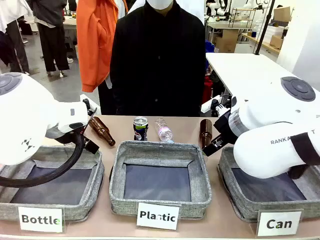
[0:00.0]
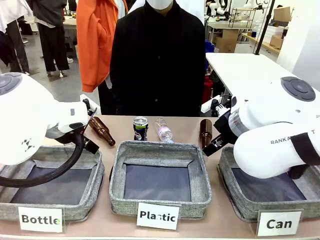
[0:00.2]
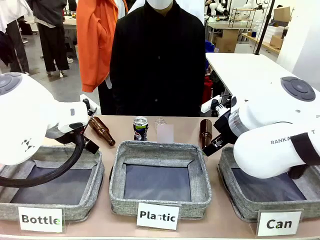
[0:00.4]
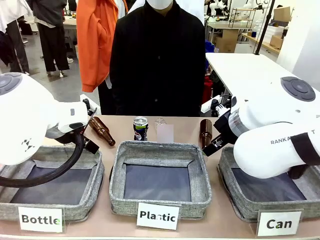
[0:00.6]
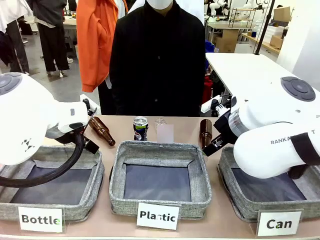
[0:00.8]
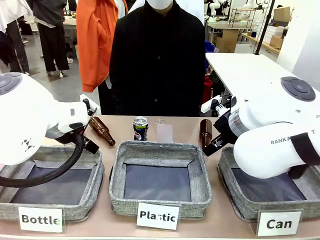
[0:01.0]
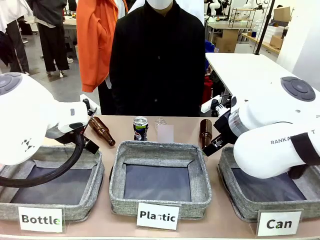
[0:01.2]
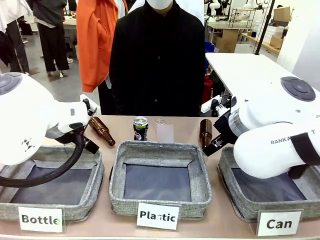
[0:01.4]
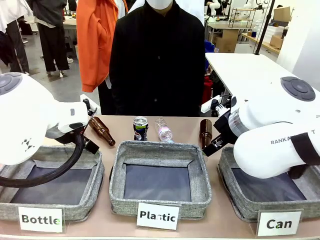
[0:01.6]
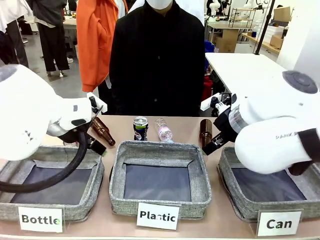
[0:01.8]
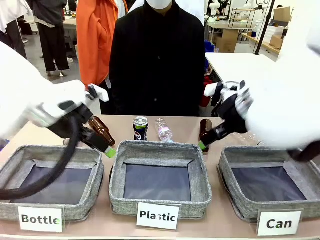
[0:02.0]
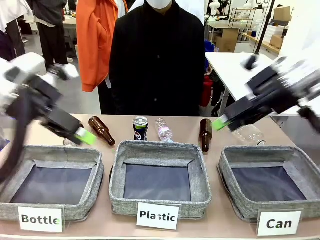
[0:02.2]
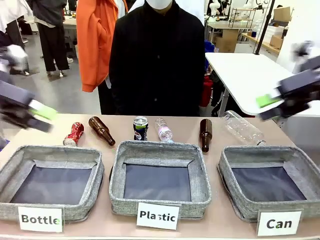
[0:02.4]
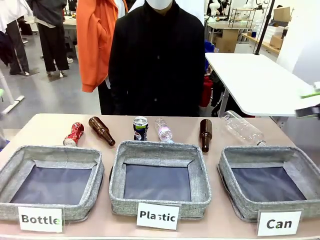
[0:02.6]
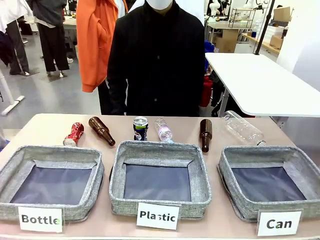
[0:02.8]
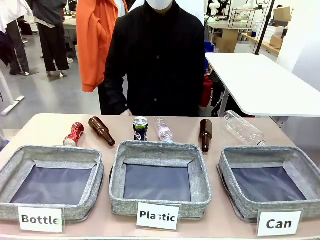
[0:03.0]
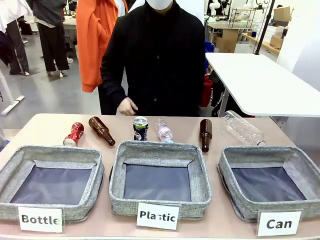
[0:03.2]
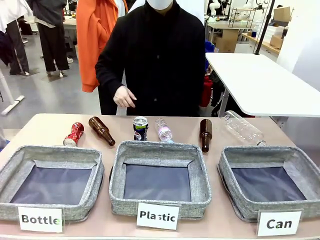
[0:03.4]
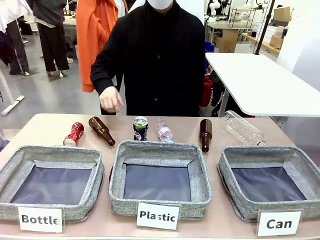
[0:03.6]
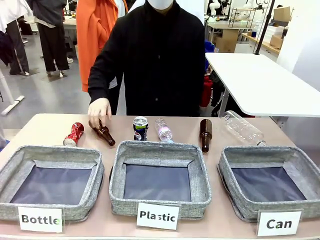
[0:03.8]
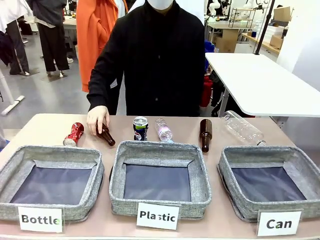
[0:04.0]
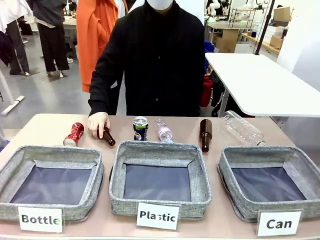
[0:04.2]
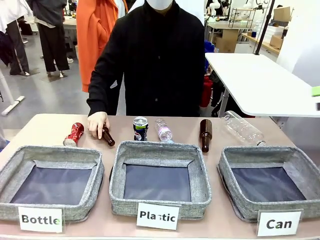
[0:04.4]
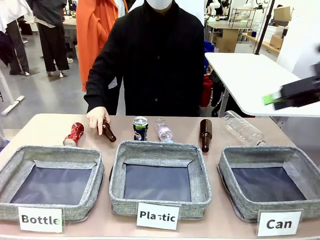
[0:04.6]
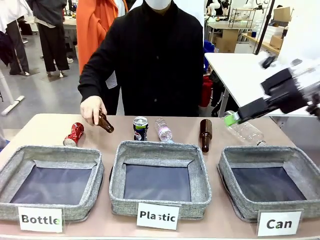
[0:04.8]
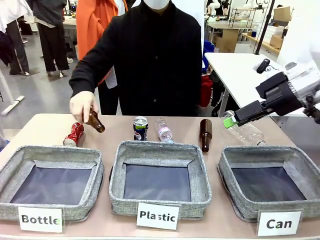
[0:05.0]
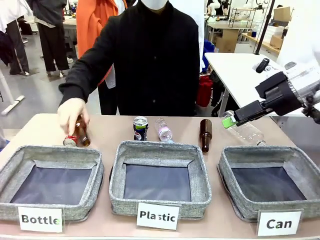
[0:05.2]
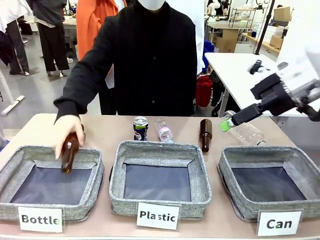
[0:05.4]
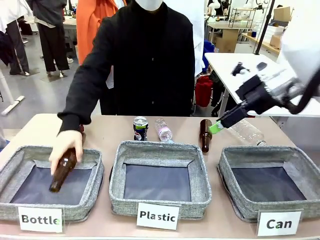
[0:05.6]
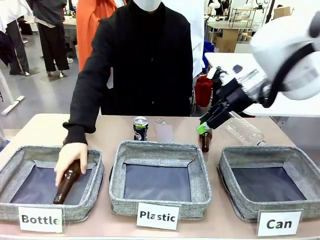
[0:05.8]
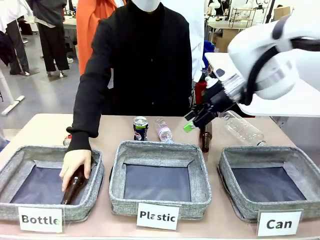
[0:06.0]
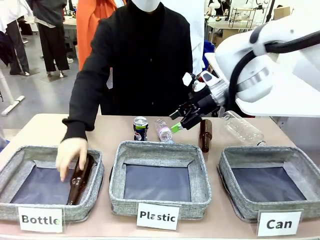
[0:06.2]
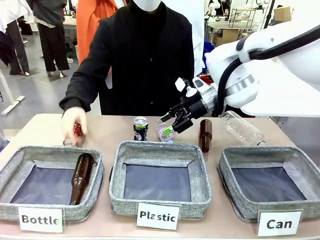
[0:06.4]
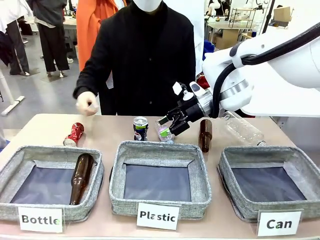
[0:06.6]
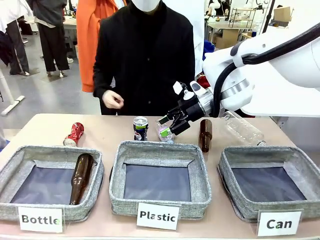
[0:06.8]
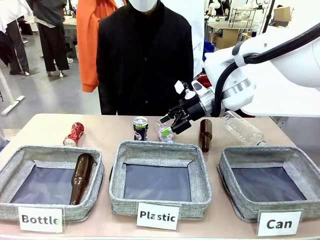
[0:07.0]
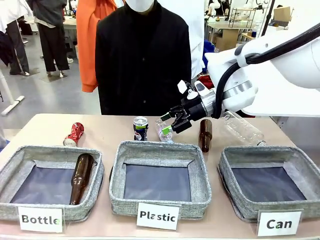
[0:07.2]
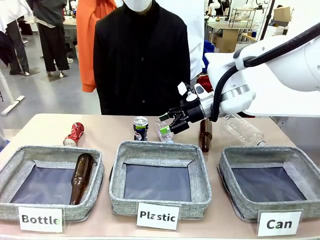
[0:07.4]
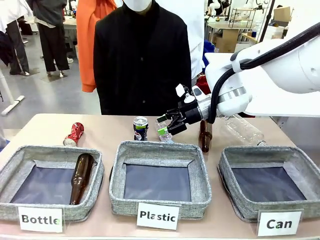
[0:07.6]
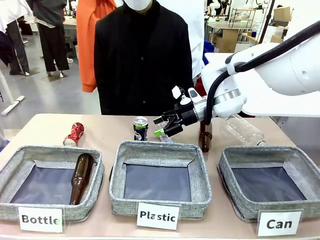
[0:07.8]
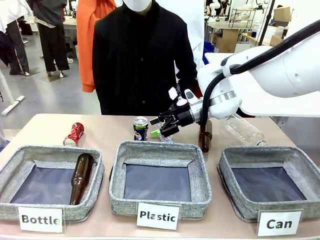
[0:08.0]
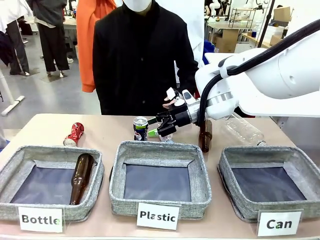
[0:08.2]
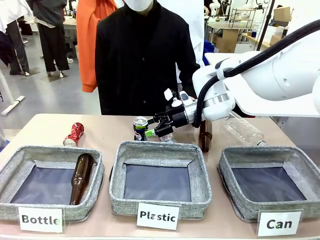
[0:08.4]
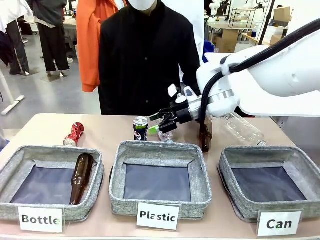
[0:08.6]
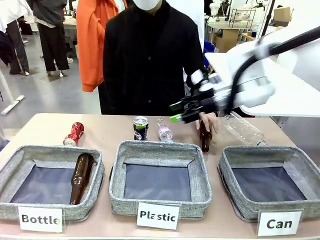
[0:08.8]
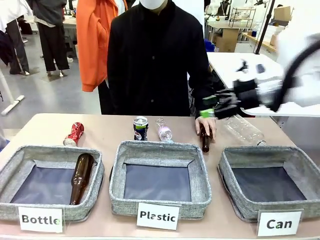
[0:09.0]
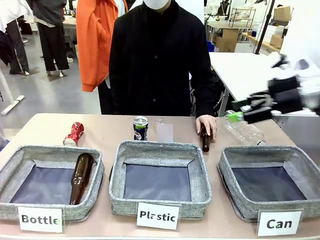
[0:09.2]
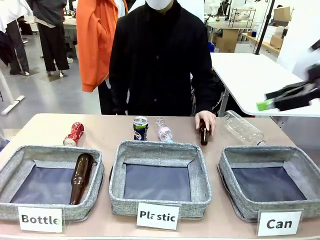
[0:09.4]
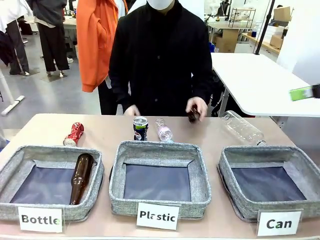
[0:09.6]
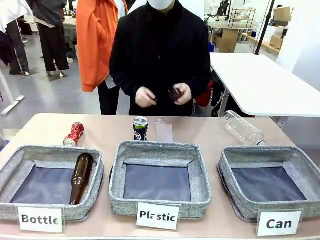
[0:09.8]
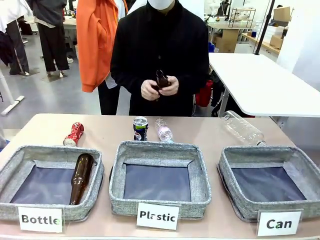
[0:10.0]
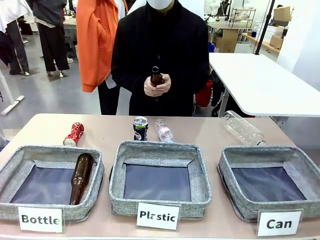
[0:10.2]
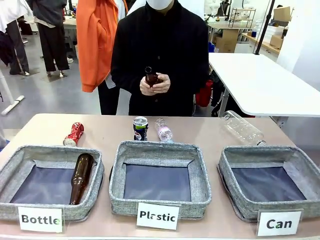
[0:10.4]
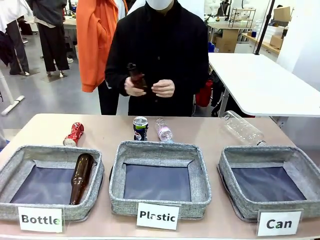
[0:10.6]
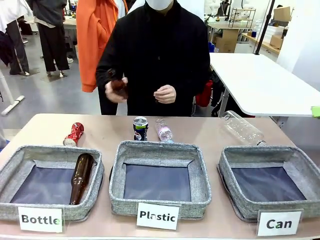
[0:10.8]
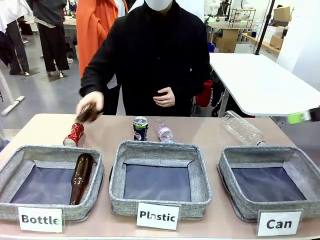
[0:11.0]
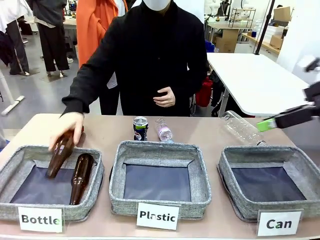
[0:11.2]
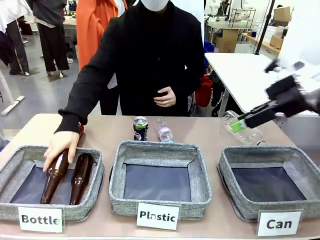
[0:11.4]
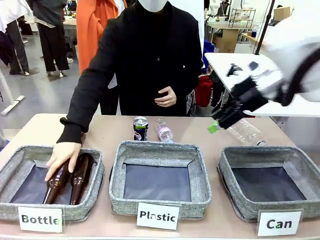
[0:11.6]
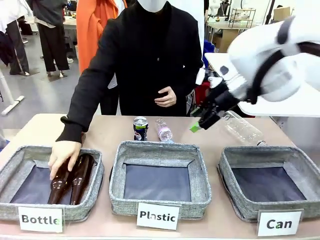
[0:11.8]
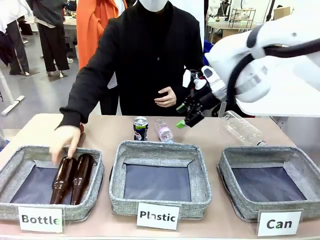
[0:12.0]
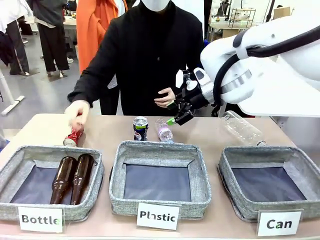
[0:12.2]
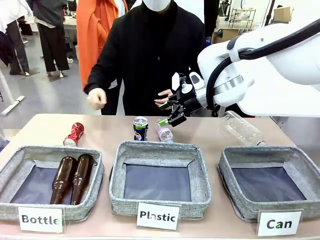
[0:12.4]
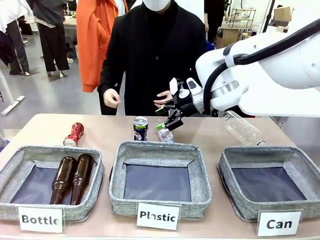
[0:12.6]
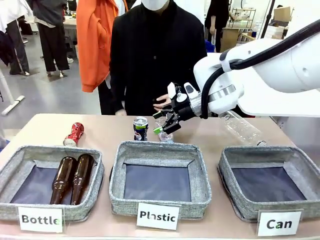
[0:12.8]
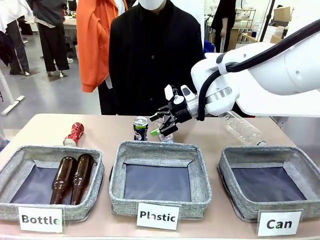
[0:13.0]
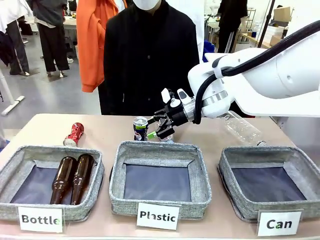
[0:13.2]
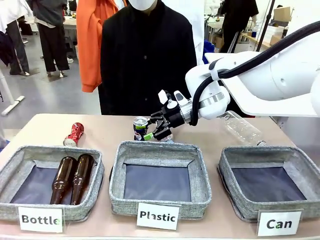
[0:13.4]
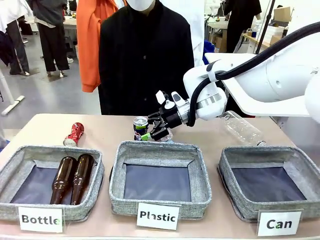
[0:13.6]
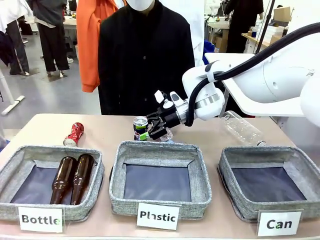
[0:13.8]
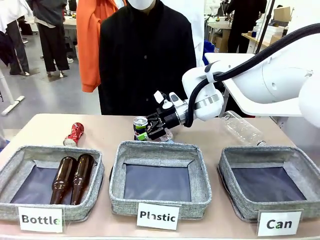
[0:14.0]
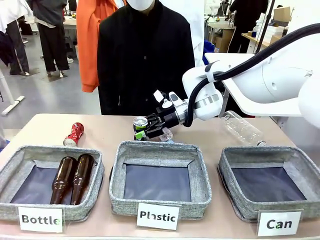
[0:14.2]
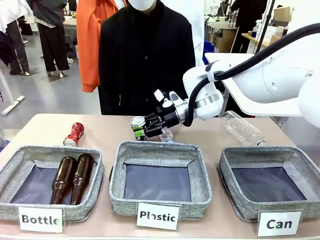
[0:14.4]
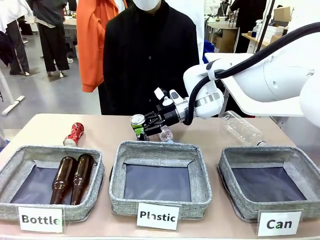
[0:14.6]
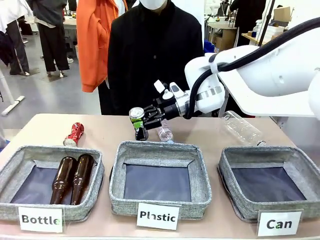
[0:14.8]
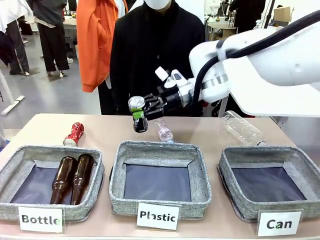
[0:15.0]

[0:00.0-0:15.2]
Task: Sort the can waste into the basket.
Robot: Pick up the can waste from the table and place it in the right Fabric basket.
